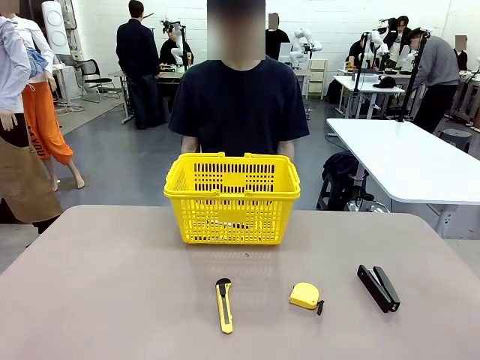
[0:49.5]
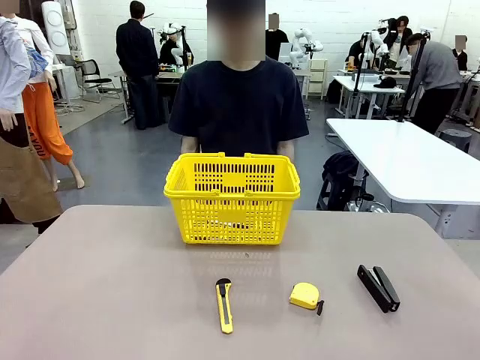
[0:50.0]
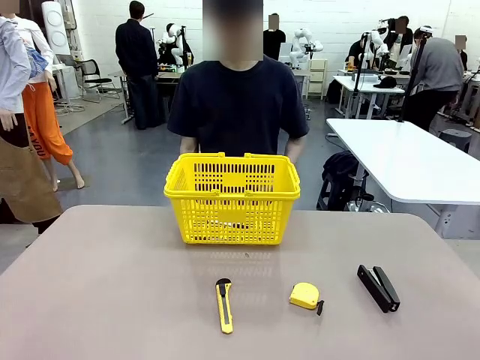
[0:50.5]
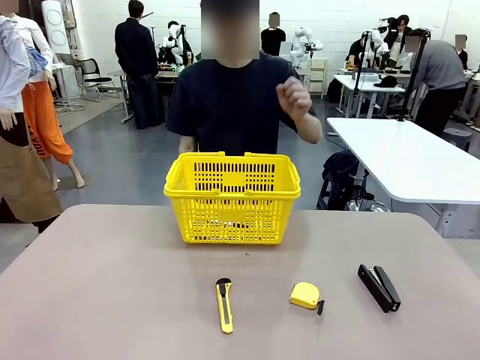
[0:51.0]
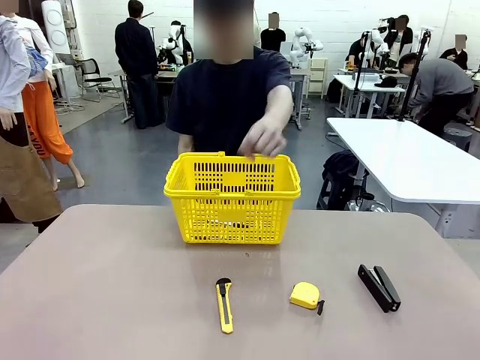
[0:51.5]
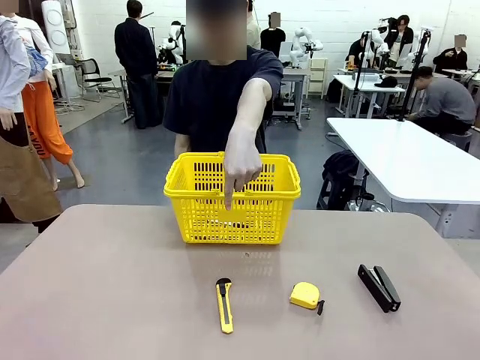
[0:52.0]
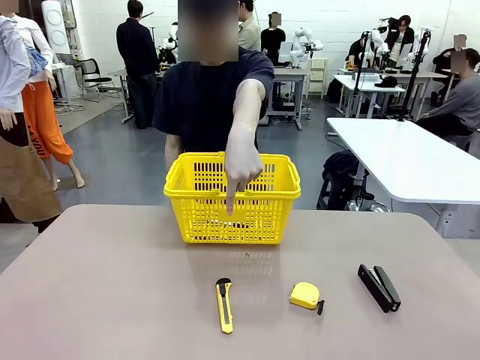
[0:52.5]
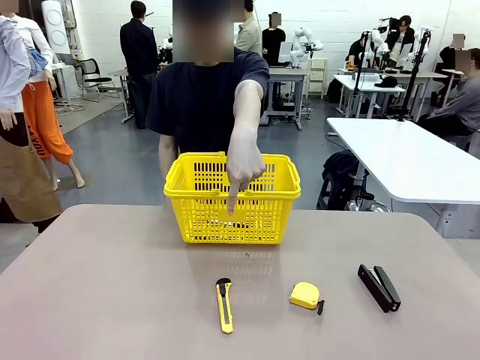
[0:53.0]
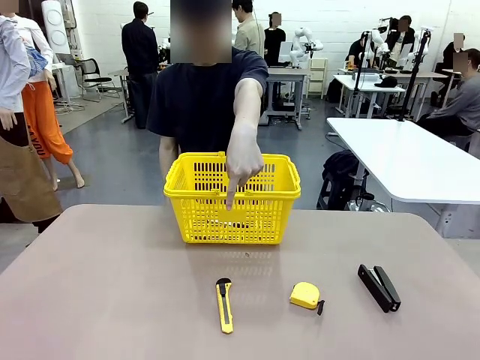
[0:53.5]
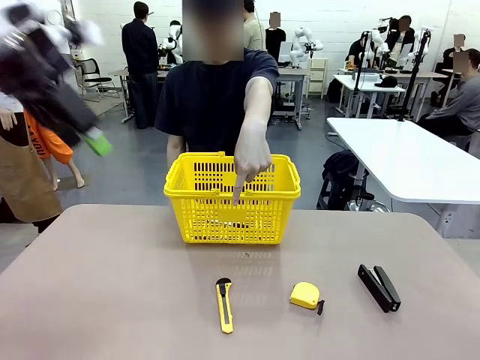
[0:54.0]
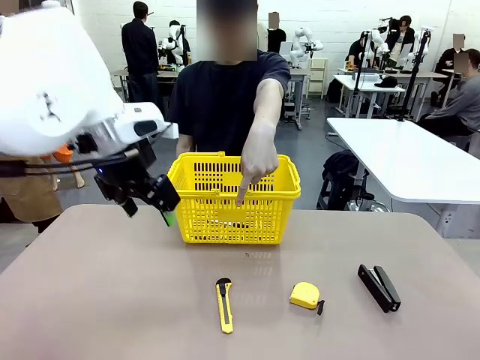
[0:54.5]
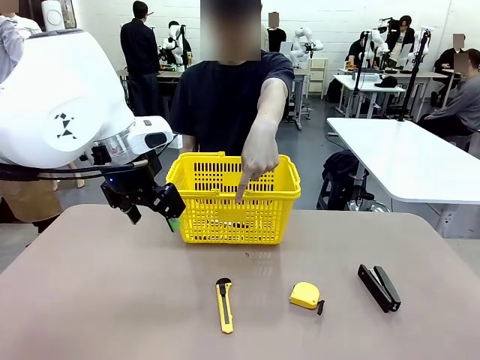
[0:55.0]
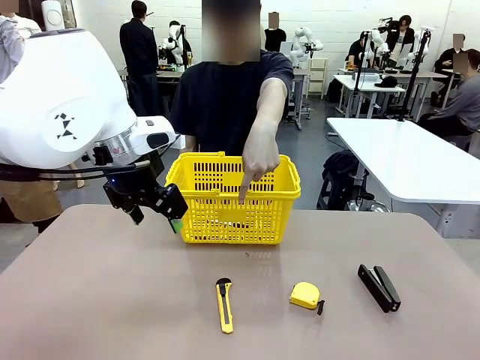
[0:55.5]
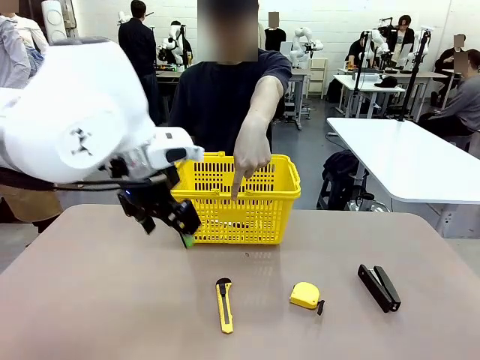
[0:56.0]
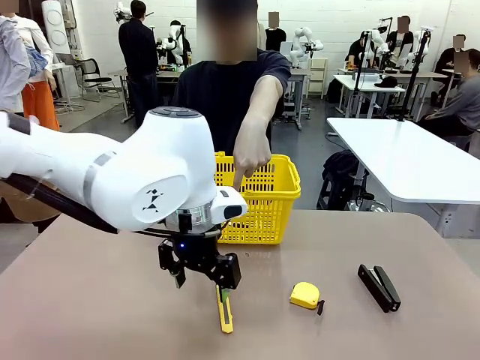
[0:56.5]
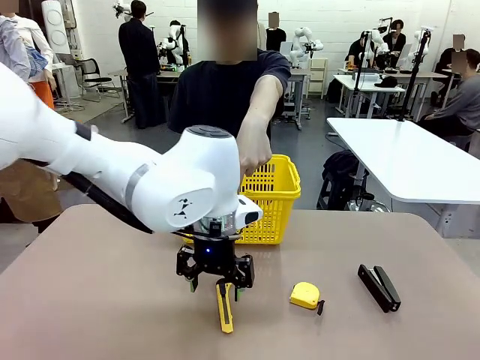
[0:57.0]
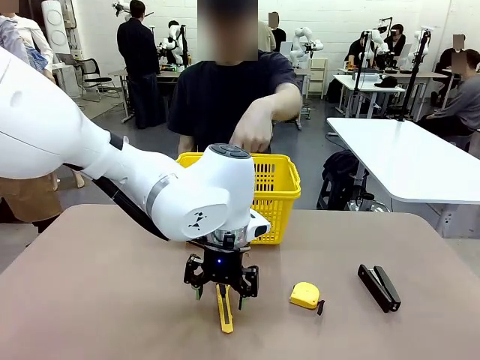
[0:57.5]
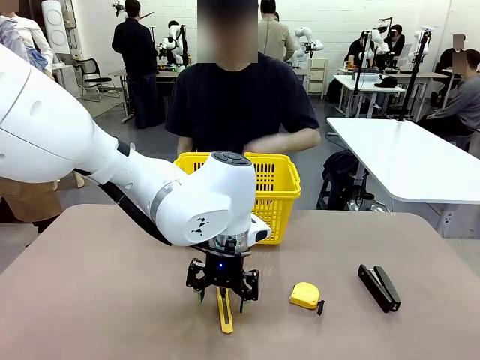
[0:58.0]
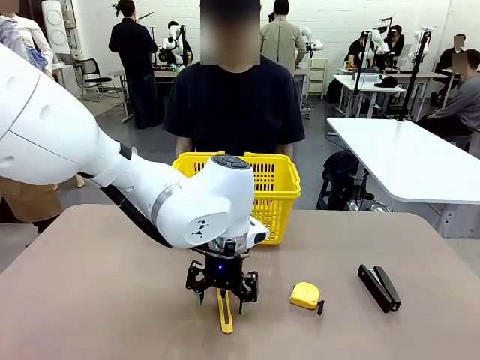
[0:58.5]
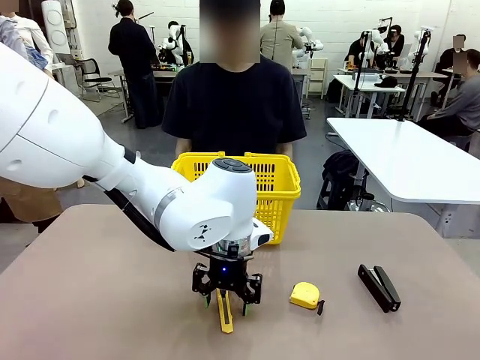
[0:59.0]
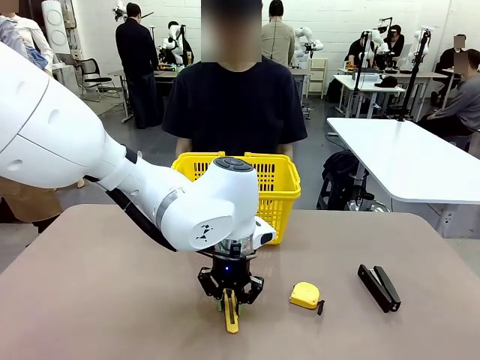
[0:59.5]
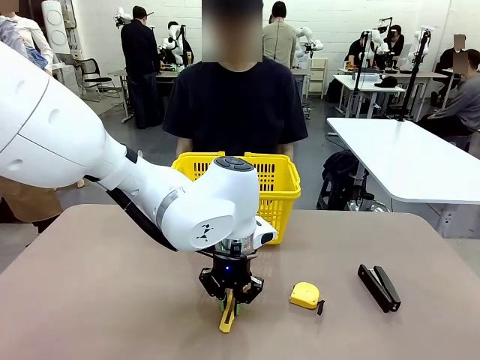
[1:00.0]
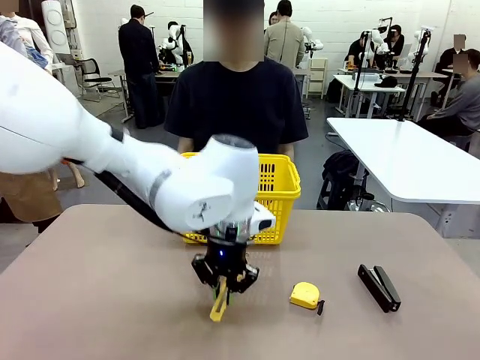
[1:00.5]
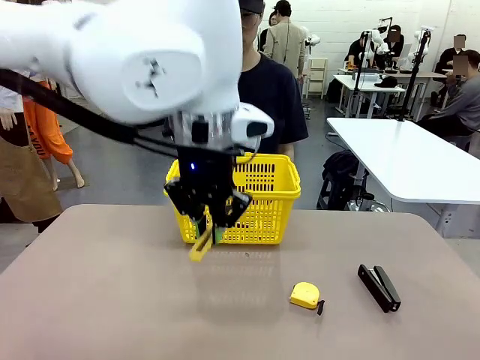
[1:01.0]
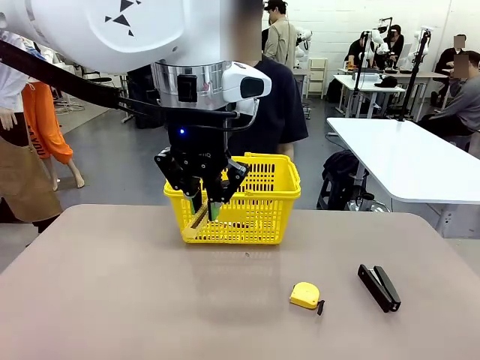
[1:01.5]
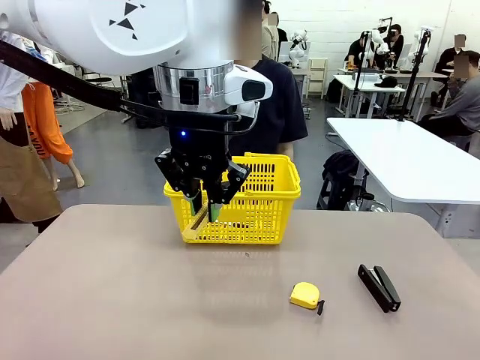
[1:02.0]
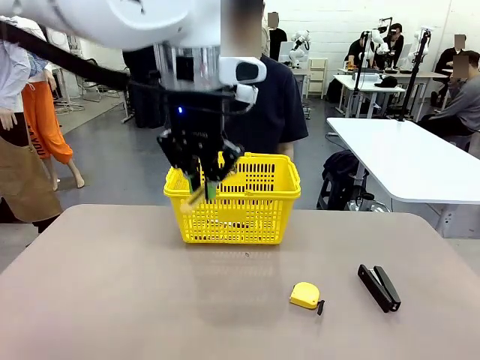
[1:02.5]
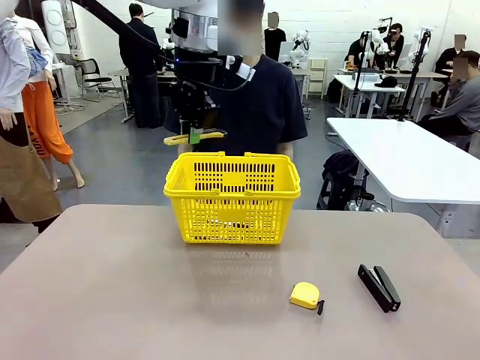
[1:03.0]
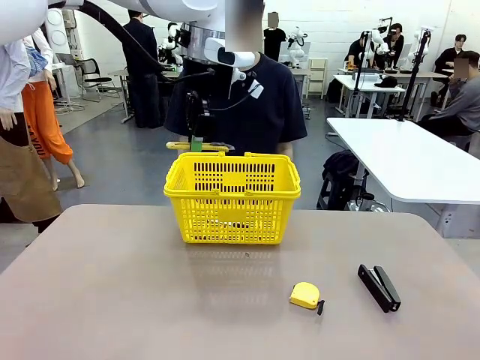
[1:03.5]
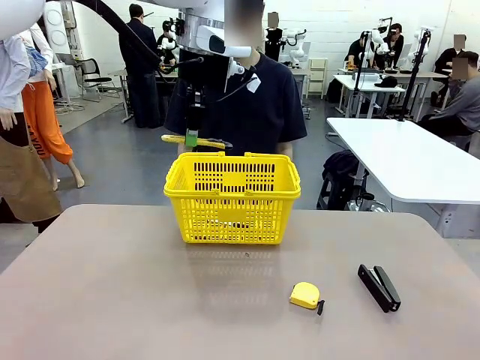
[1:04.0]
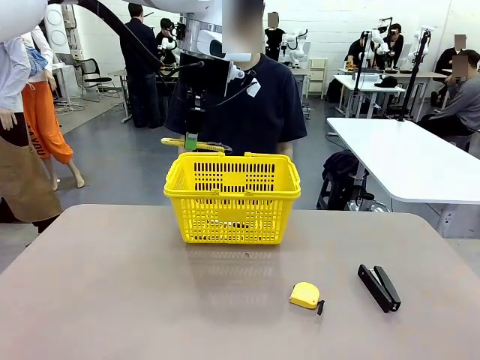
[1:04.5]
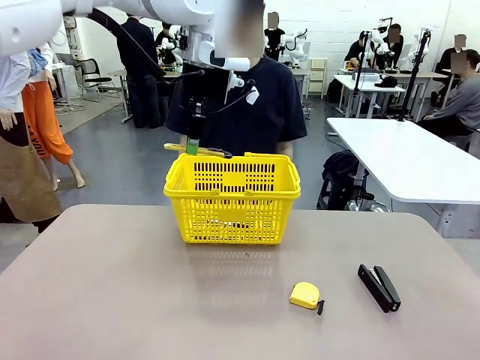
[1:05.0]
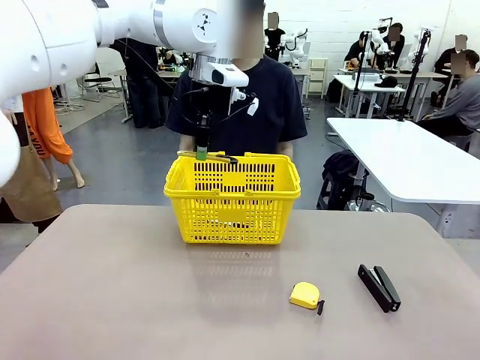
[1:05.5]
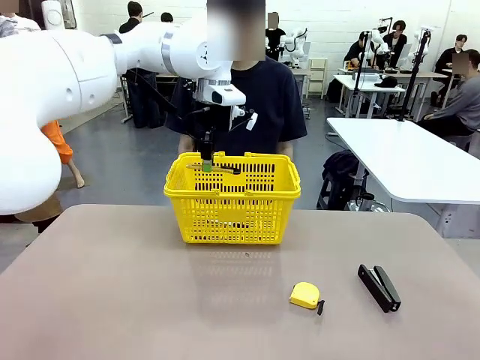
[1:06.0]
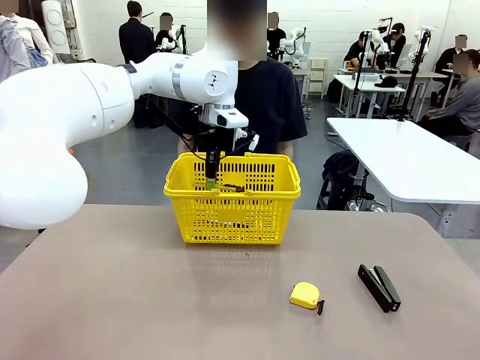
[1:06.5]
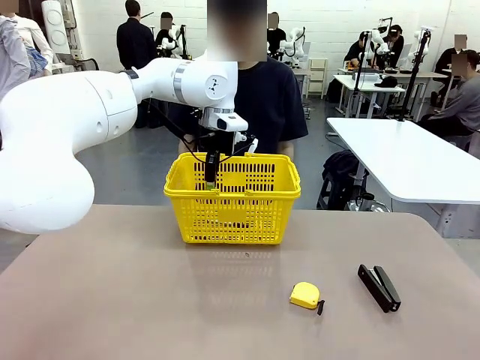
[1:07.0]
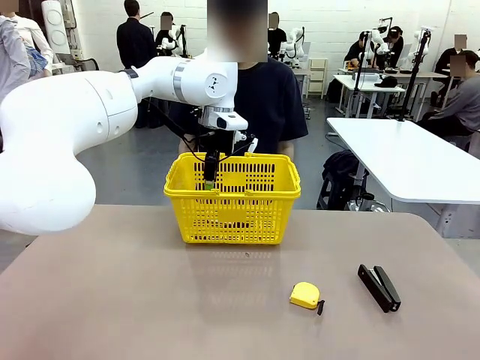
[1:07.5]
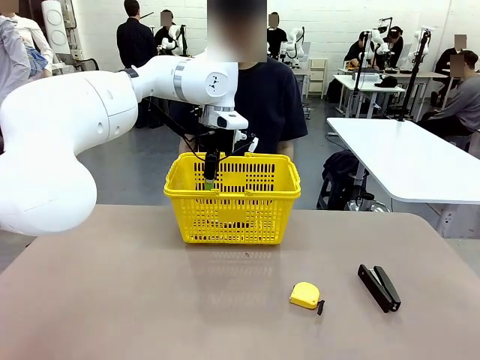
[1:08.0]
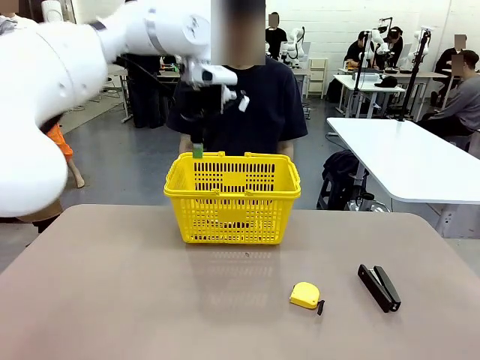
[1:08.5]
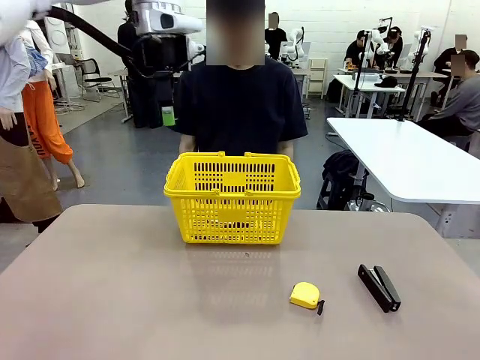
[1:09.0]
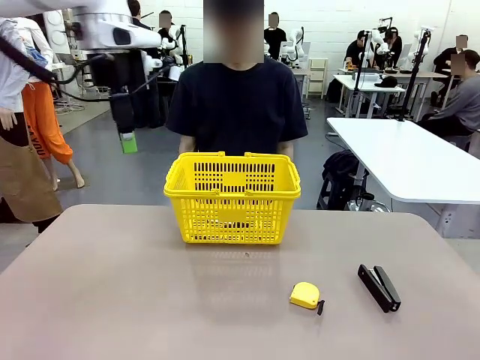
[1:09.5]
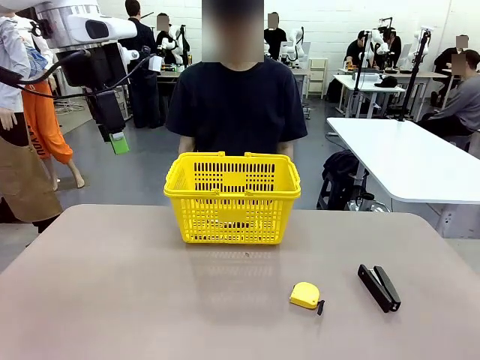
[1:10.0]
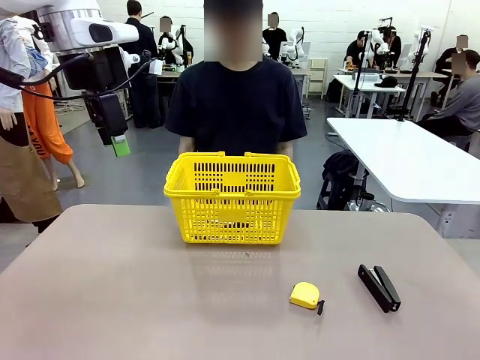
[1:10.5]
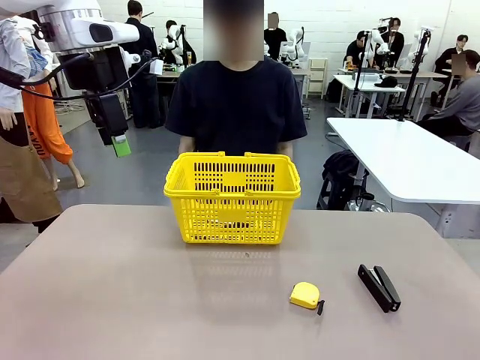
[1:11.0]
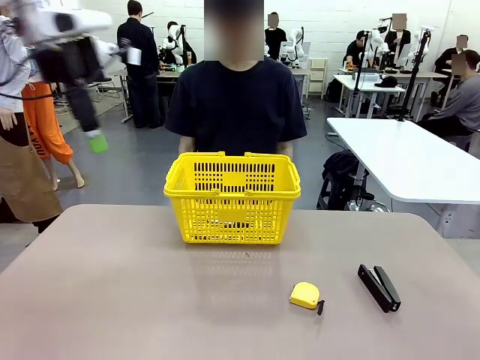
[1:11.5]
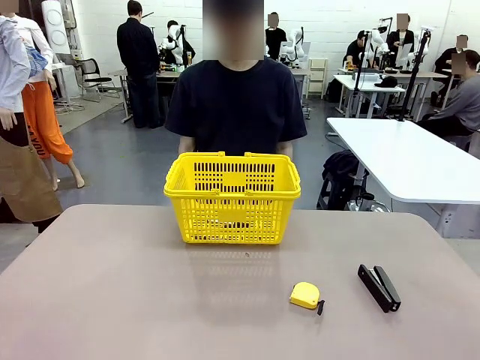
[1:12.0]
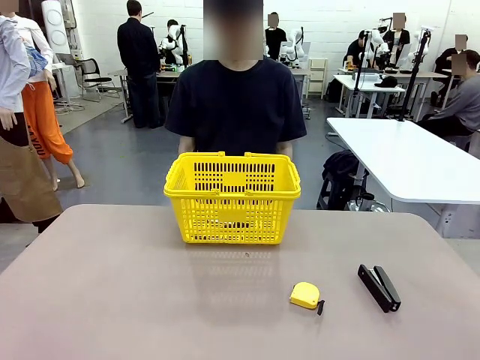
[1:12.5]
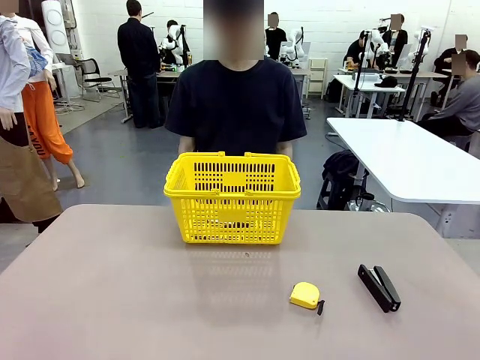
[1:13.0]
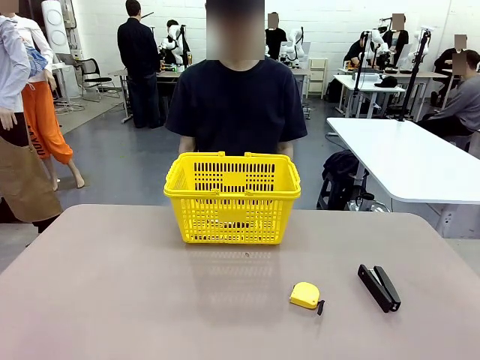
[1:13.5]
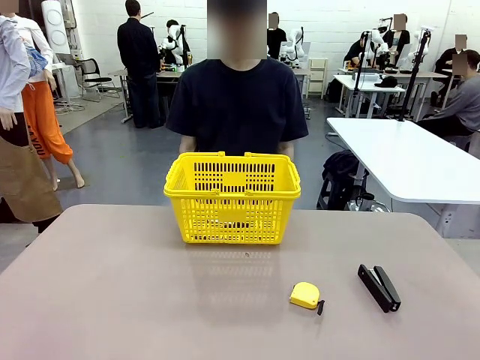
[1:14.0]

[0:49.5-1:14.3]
Task: Place the items the person wants into the basket.
Robot: Pick up the item the person points to and place it in the Market Basket.
